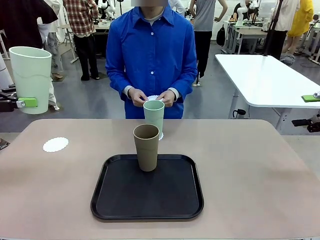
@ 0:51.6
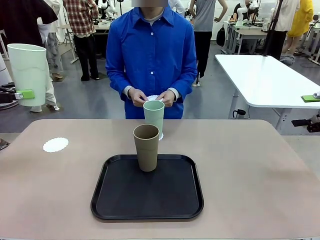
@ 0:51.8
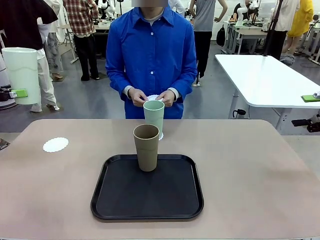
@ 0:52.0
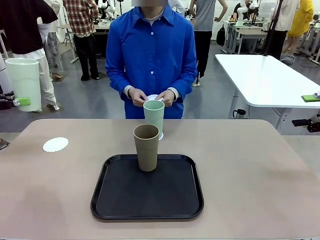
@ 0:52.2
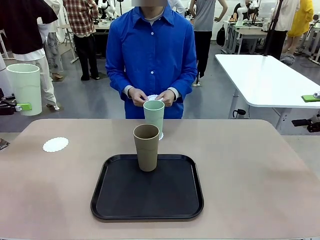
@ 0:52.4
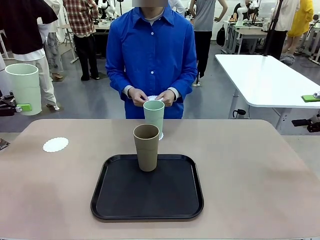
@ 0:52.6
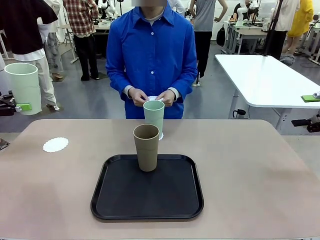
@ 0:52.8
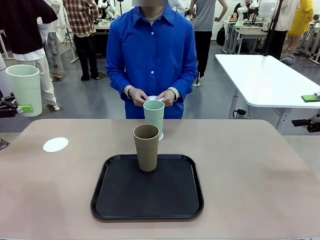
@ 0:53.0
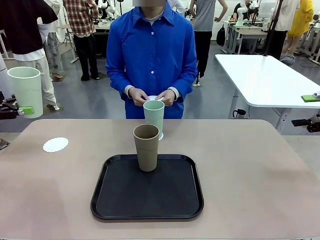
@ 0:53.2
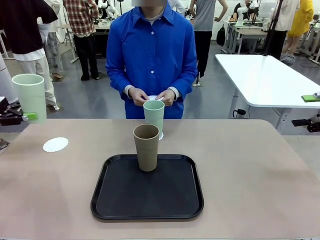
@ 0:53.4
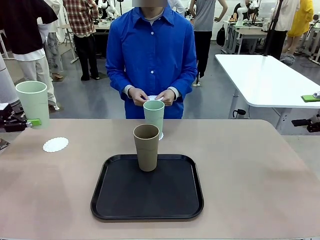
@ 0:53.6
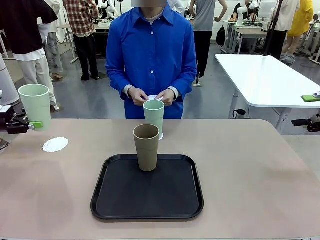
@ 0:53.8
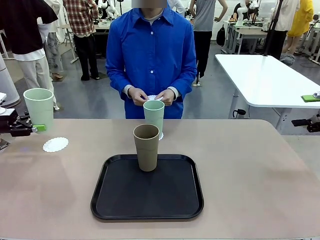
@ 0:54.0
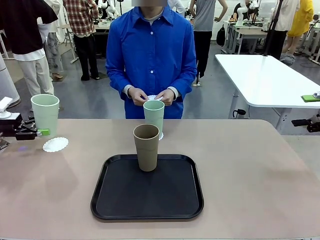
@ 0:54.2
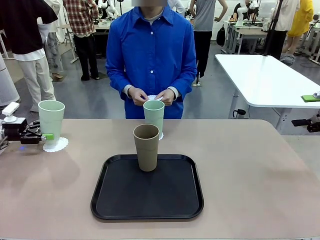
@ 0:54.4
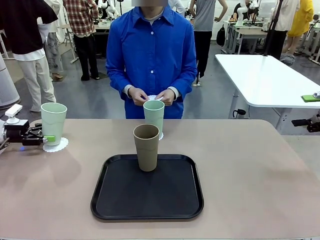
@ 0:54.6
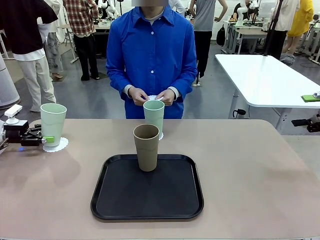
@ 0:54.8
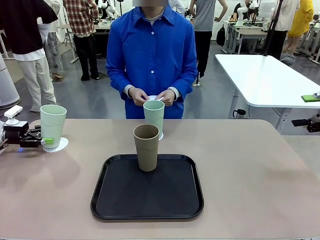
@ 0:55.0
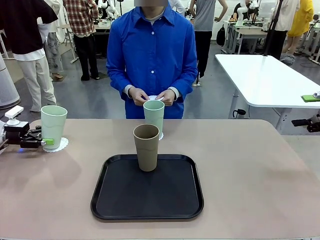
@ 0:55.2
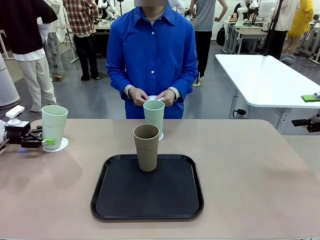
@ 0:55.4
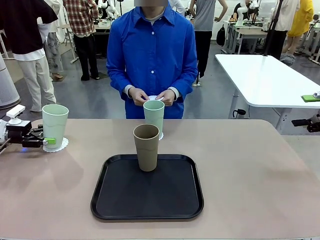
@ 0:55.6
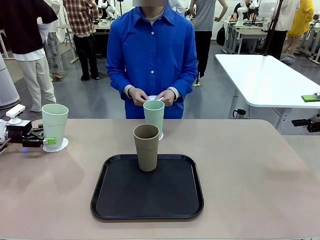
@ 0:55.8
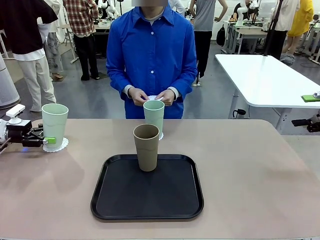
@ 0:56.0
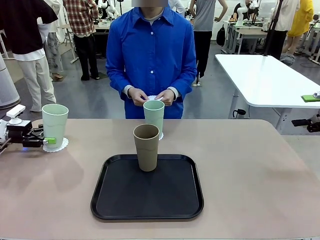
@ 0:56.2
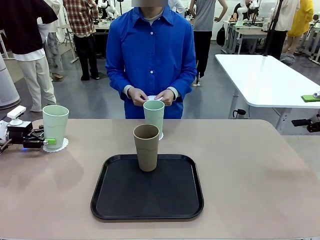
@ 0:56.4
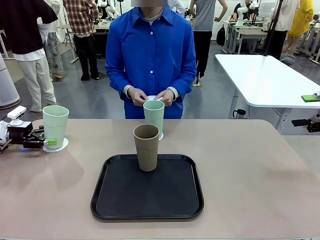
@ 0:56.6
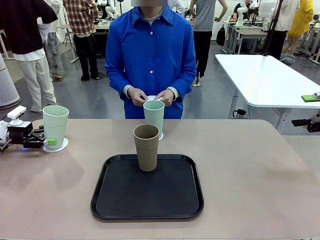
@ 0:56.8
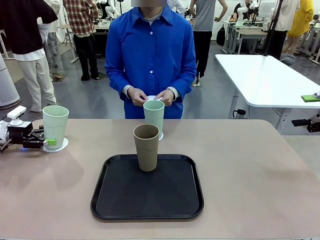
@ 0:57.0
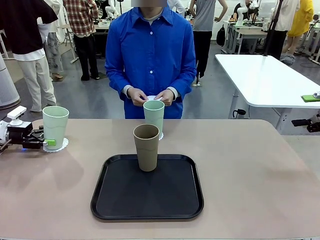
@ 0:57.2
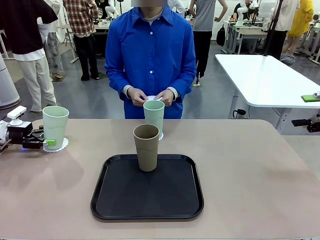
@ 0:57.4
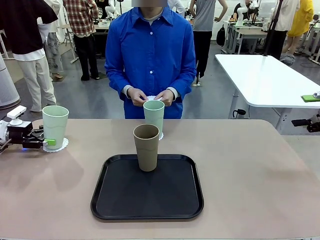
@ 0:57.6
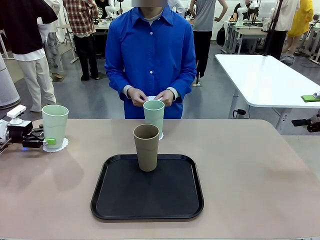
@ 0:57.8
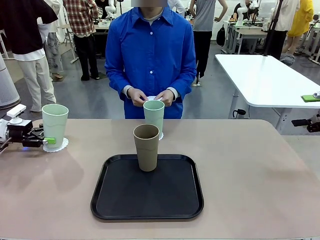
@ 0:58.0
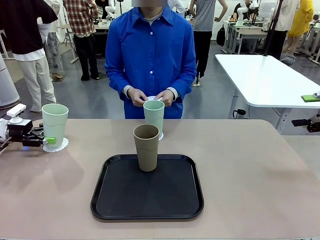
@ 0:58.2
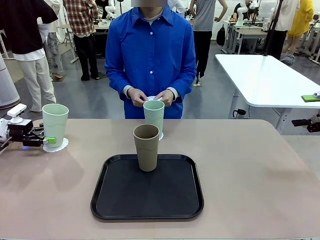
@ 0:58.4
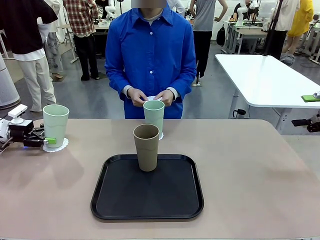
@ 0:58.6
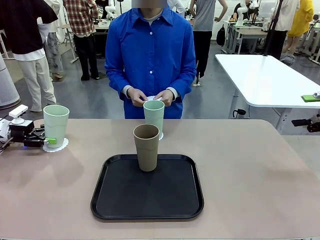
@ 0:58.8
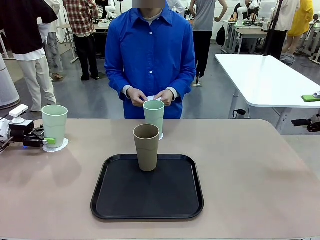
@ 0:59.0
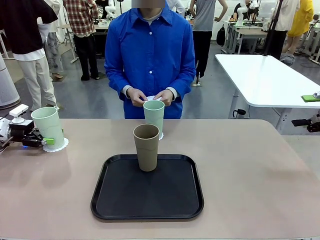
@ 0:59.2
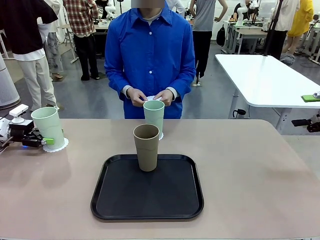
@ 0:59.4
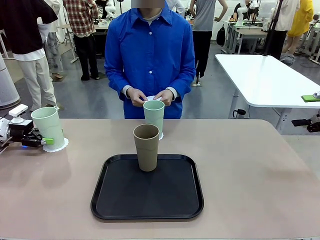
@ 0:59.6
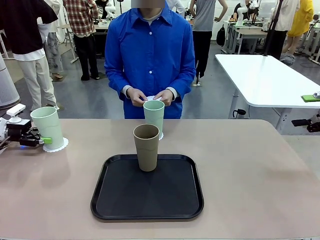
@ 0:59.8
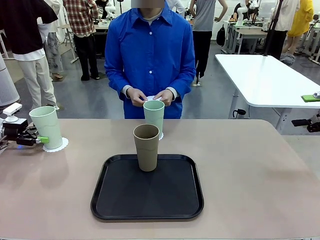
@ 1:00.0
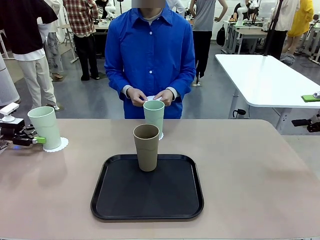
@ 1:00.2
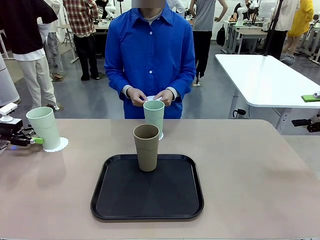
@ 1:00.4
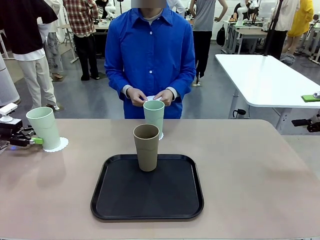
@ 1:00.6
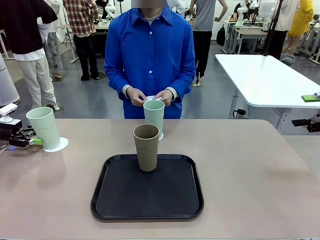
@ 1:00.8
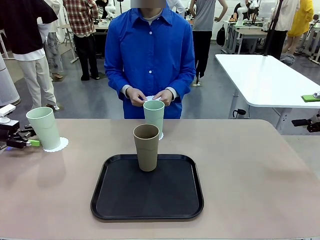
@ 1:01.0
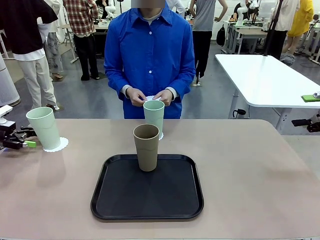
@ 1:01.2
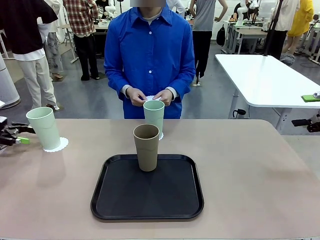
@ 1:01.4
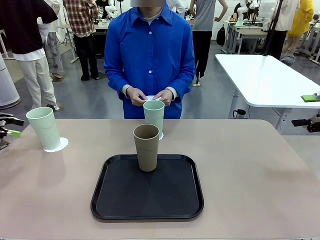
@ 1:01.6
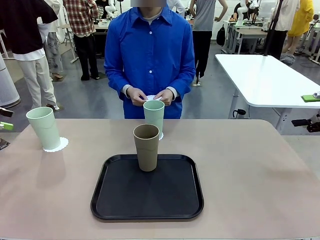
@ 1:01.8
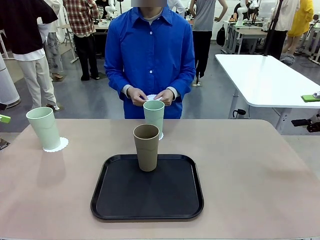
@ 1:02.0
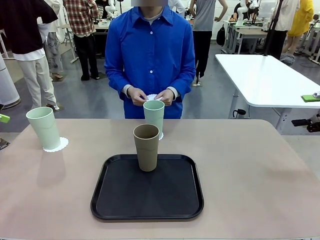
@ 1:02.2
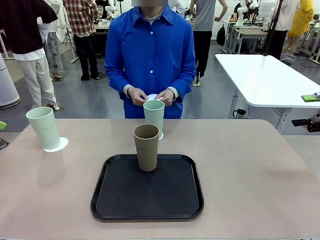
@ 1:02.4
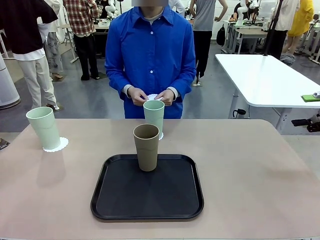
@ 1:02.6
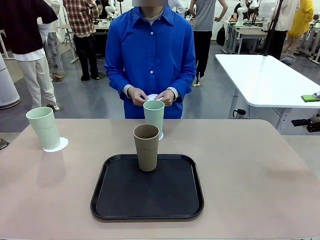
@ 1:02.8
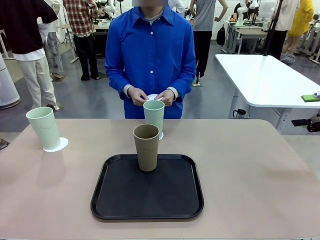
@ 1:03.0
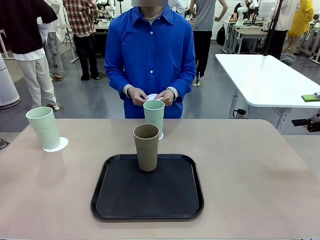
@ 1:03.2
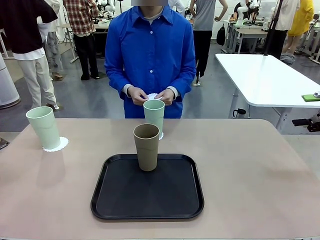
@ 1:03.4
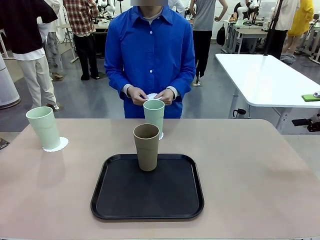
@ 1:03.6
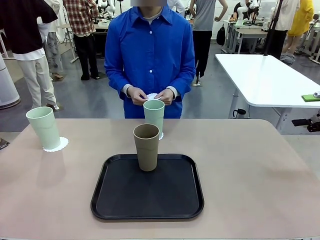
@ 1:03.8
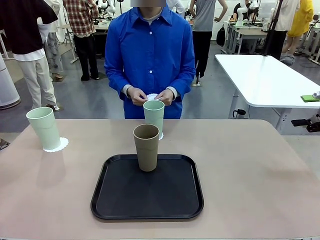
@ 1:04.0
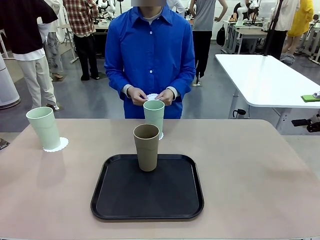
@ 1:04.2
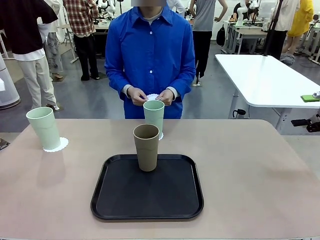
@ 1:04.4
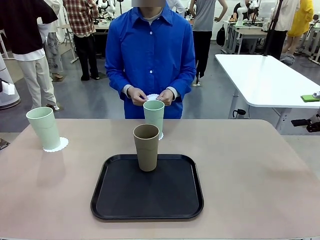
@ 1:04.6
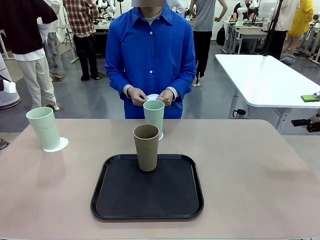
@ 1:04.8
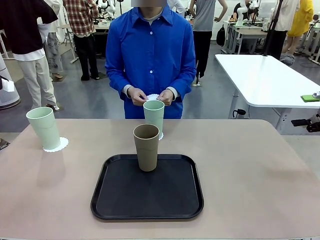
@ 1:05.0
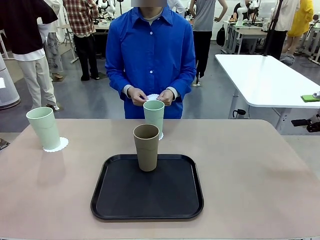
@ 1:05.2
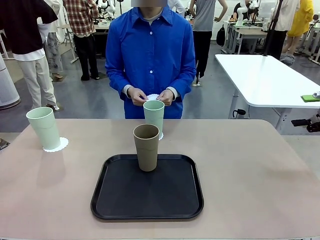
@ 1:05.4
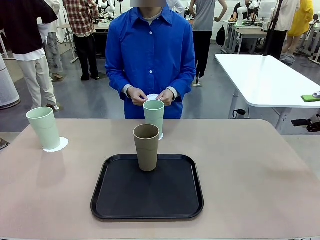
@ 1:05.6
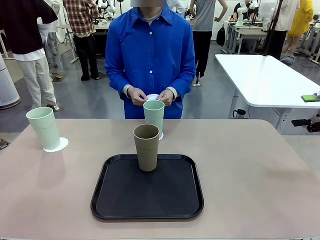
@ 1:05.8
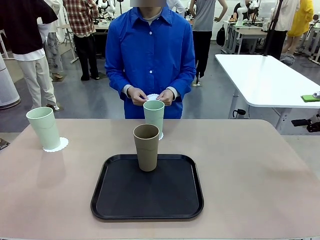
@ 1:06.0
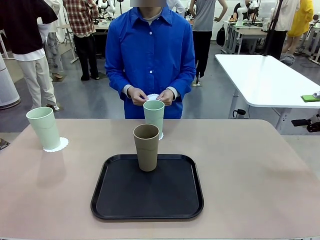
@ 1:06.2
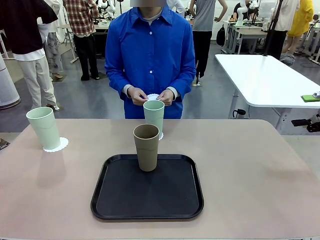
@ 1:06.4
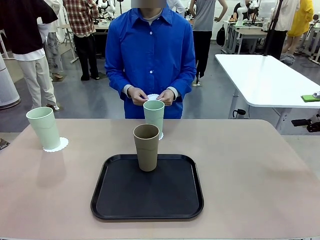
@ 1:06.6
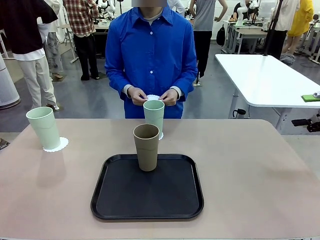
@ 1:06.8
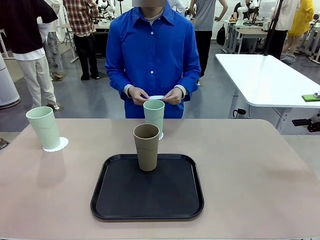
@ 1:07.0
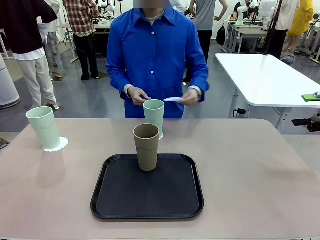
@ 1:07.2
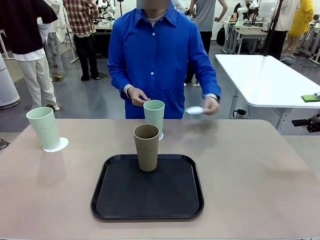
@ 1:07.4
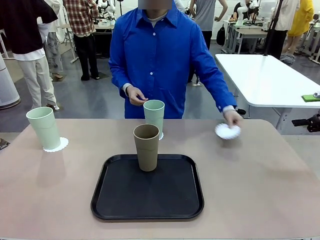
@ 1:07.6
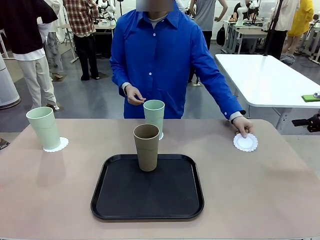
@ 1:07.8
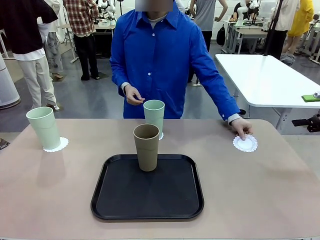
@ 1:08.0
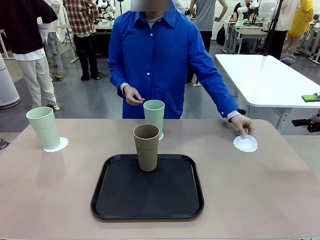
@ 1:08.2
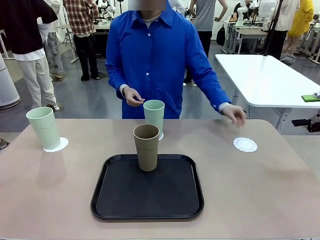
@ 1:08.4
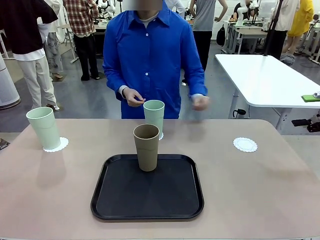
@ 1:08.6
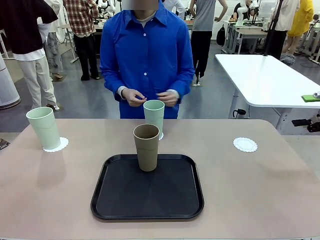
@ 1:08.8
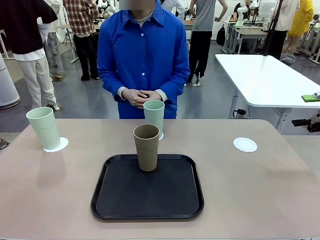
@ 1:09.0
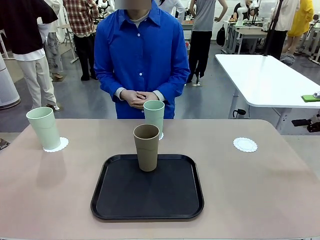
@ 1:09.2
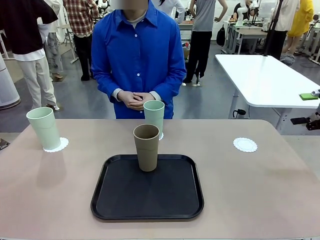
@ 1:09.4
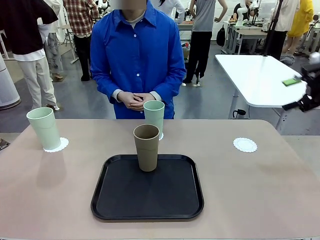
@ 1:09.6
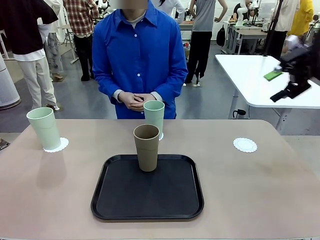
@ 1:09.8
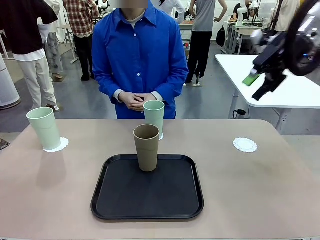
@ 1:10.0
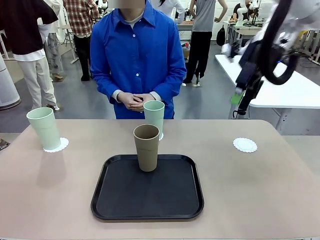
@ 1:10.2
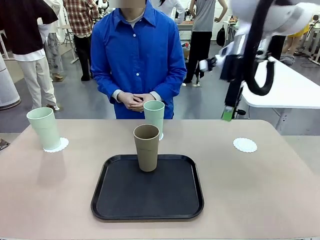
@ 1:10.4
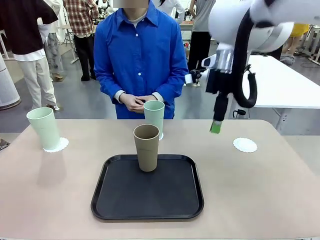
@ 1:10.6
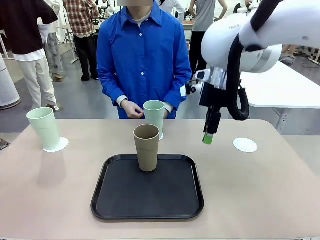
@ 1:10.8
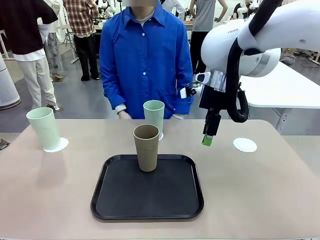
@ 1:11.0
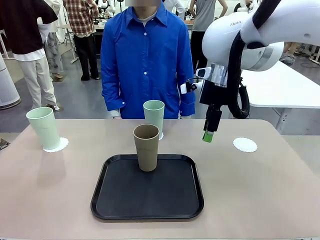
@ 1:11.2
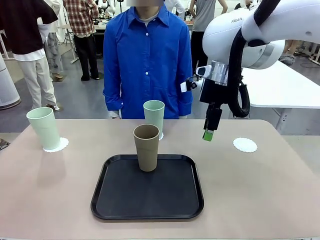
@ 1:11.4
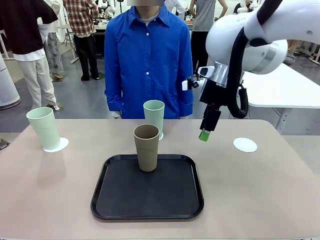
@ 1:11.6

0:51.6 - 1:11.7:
Task: Place coasters on the table and set cups on them.
Robot: Take one Reusable plastic cup from the Flat Tray and place it on a coaster set by the human.
